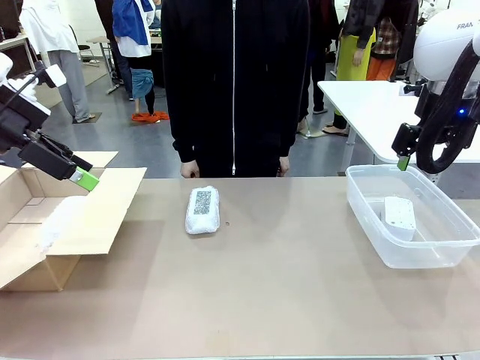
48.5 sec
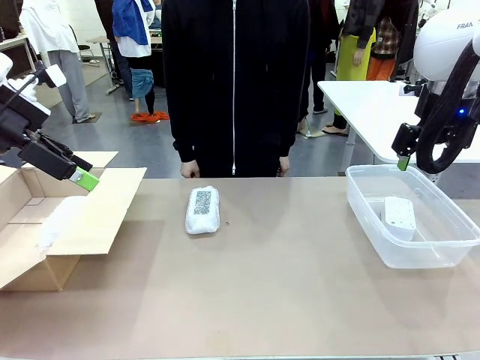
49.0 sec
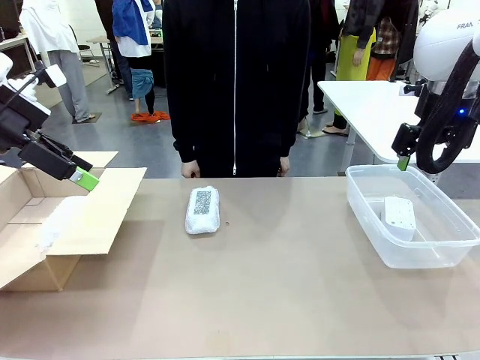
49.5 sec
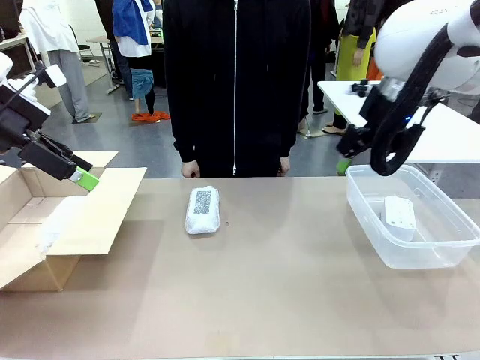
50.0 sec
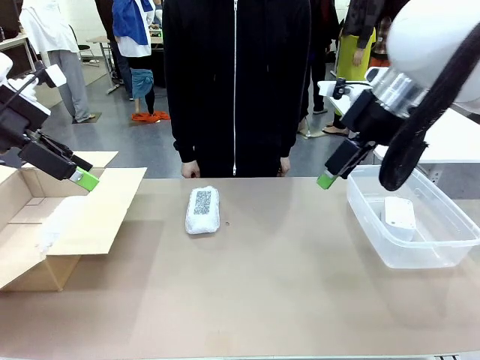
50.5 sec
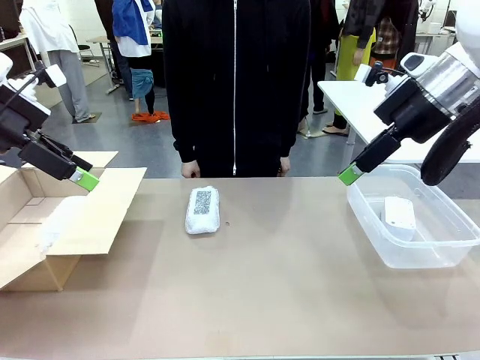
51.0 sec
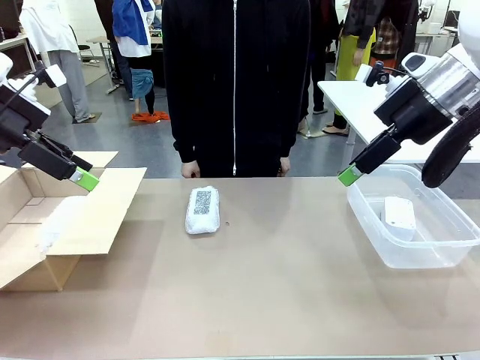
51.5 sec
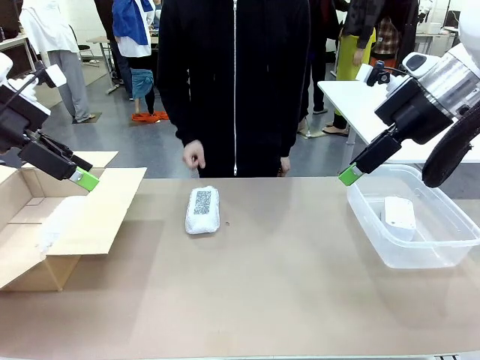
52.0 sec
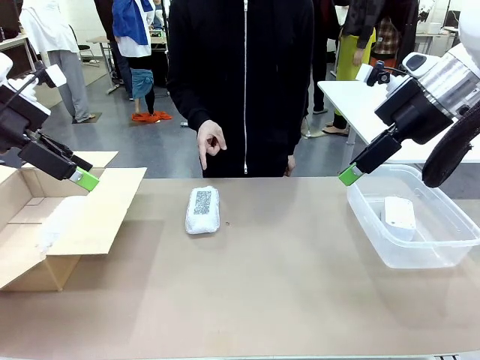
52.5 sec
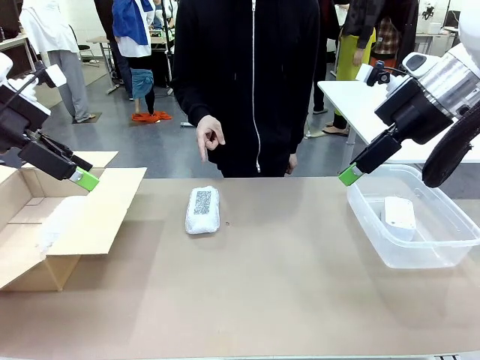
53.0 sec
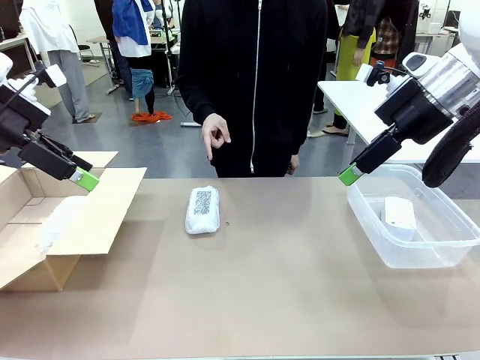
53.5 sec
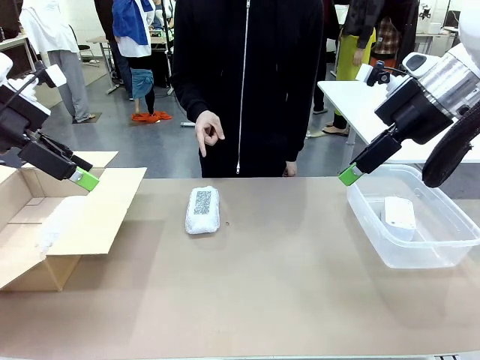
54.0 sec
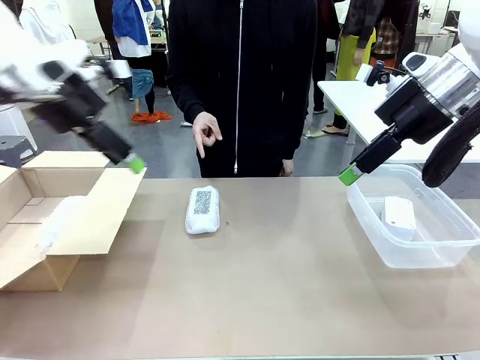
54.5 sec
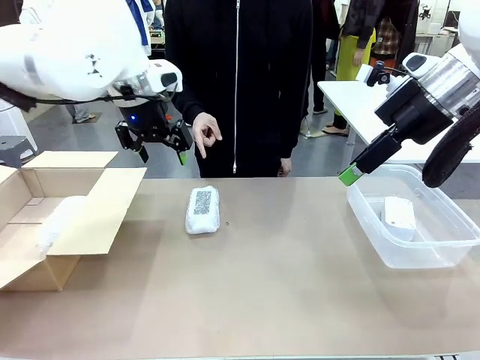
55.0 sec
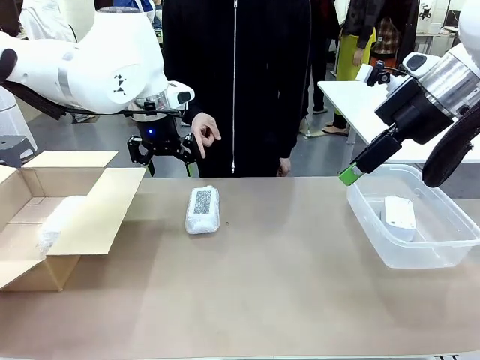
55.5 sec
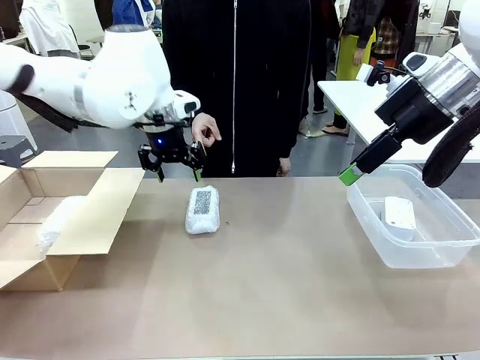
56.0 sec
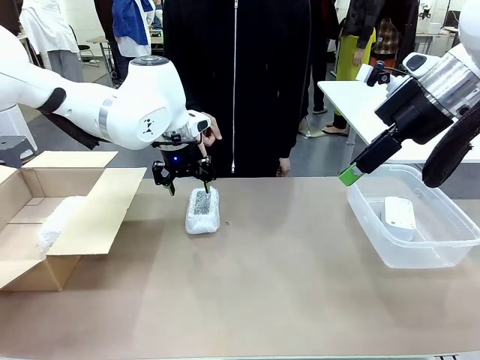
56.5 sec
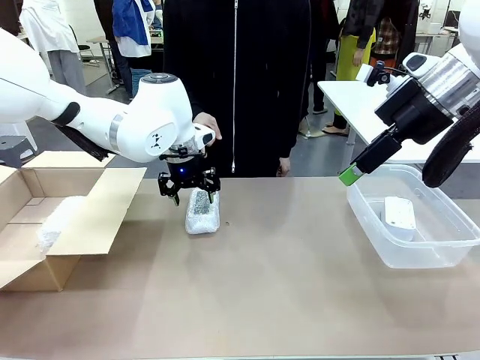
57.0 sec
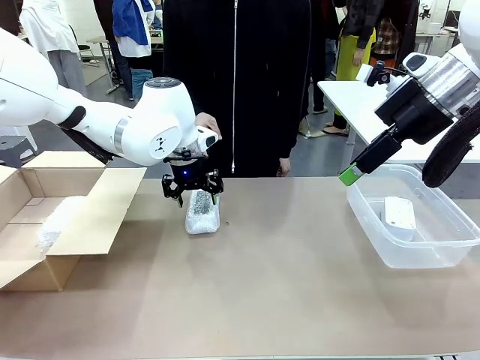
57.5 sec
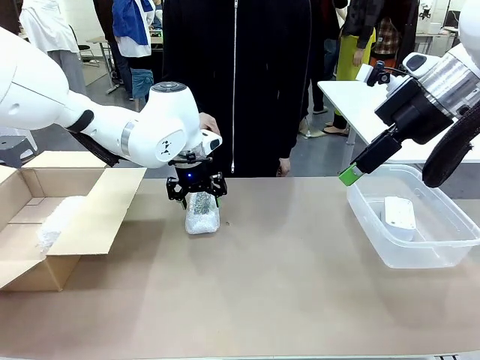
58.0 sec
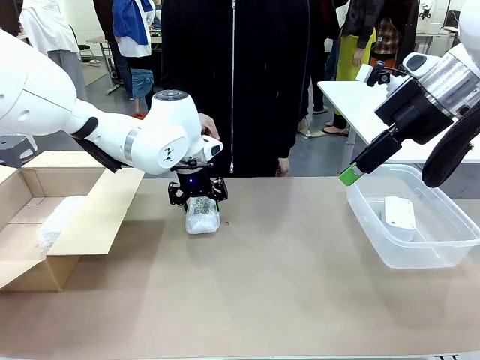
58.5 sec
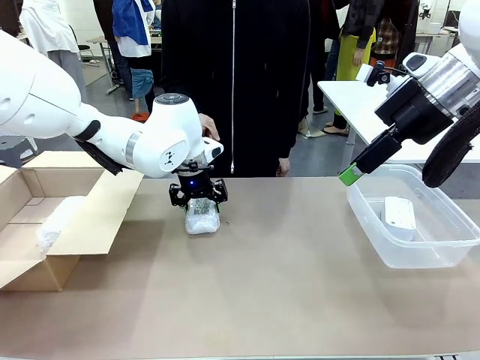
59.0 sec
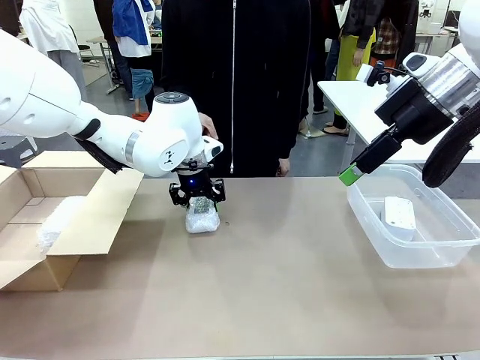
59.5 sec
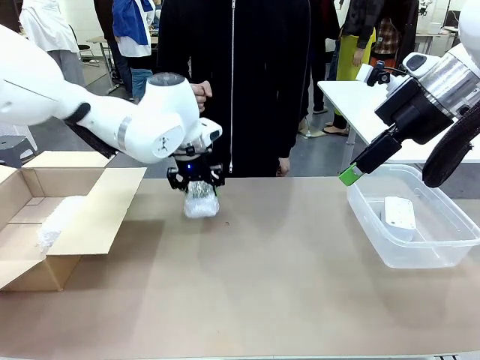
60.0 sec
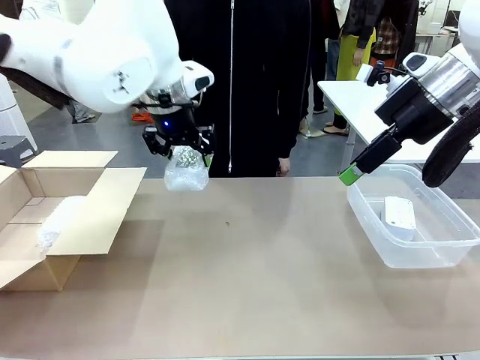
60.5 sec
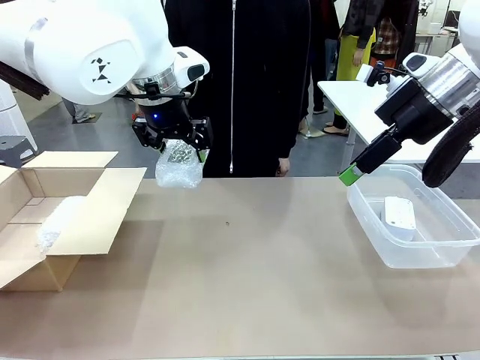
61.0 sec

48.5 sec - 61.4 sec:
Task: Separate and place wrapped and unwrapped clocks.
Robot: Pick up the Digital clock indicated by the person.

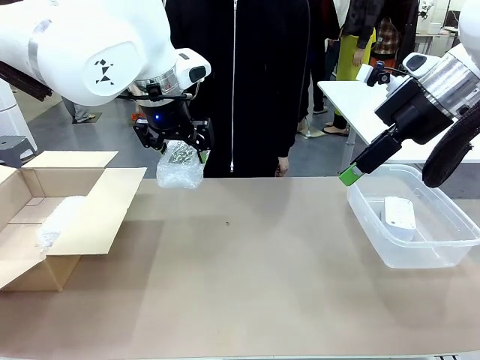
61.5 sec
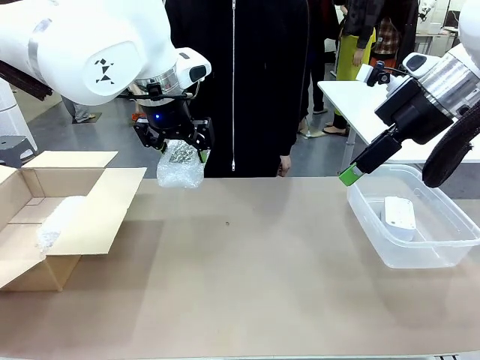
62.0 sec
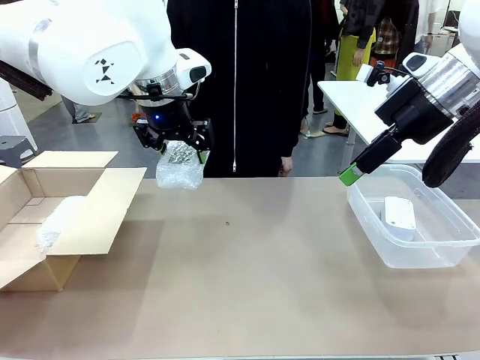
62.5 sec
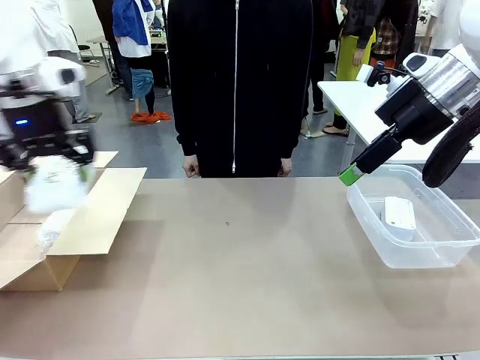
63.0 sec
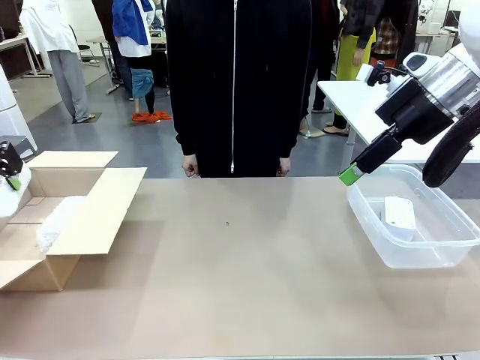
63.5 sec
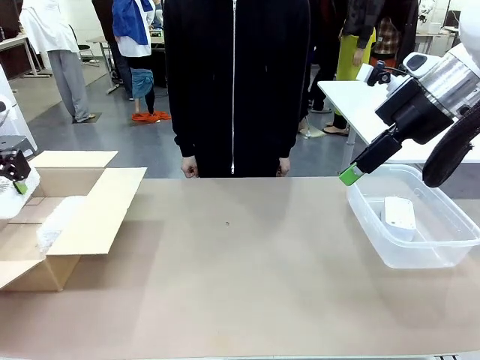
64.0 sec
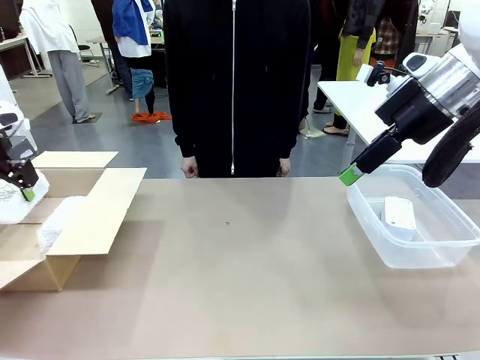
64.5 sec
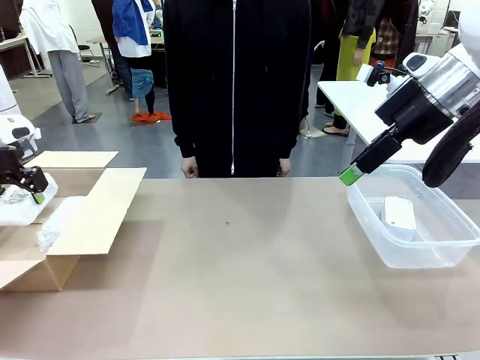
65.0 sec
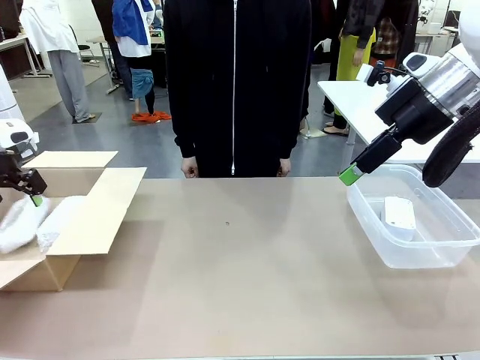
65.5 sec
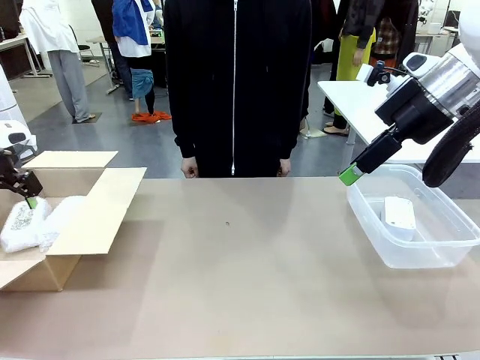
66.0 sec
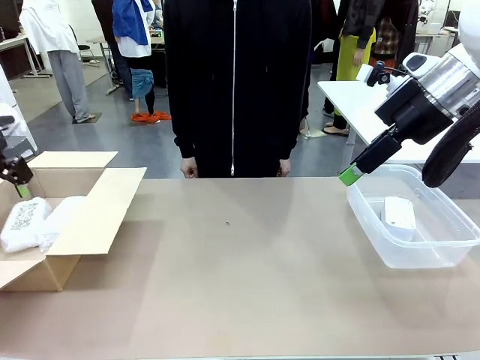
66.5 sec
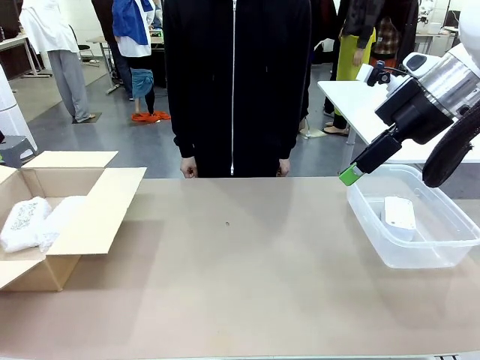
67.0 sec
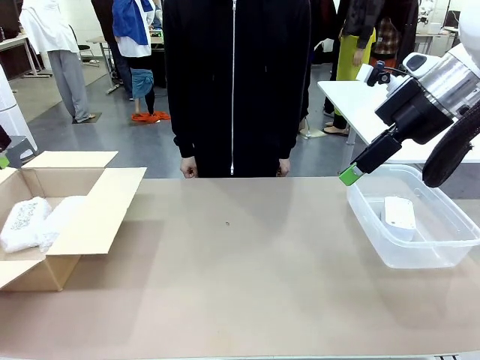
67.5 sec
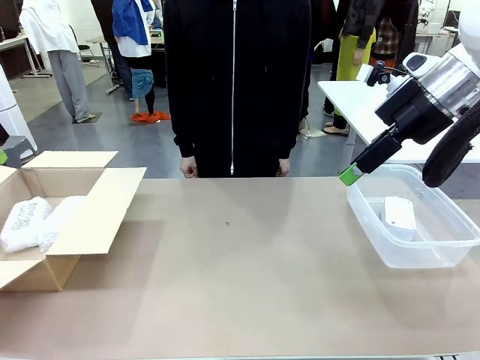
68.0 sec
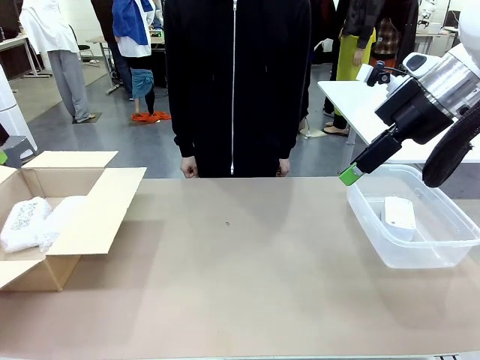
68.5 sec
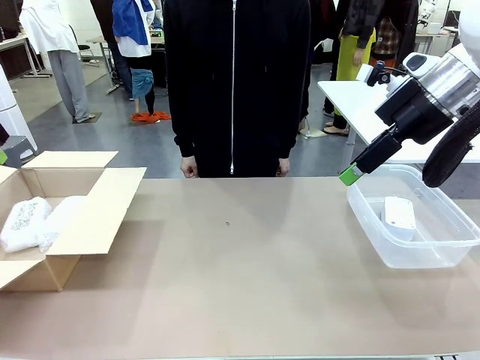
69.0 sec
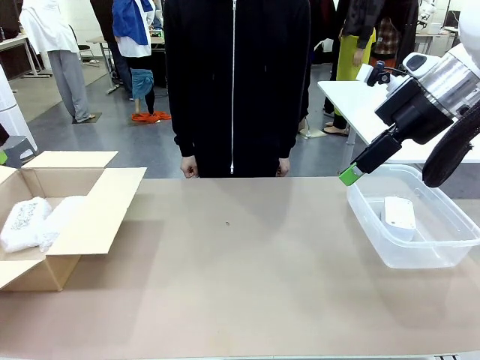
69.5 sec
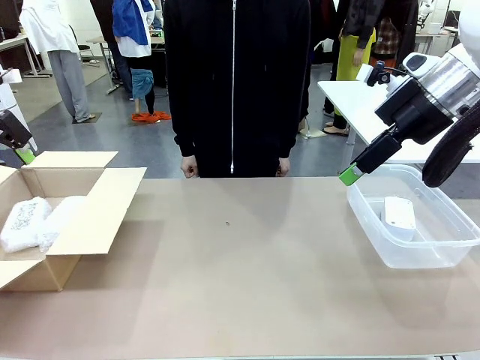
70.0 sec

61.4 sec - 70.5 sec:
Robot: If the picked Digital clock is wrapped, place it in the Package Box ; if not, place it in the Organizing box.

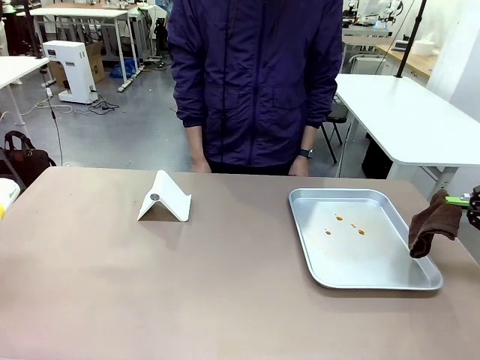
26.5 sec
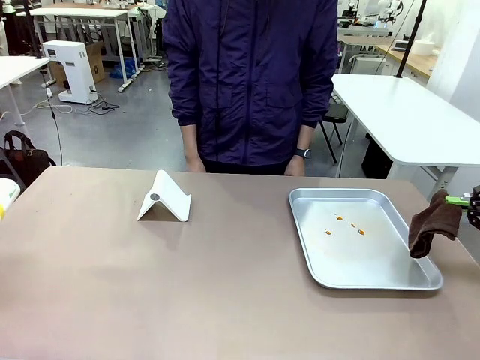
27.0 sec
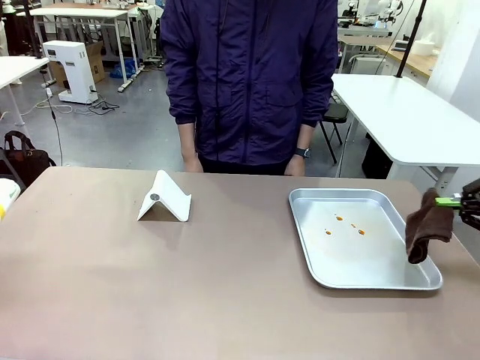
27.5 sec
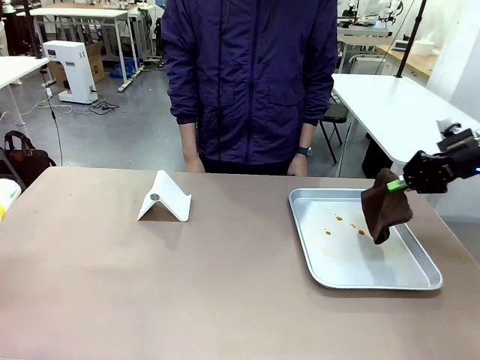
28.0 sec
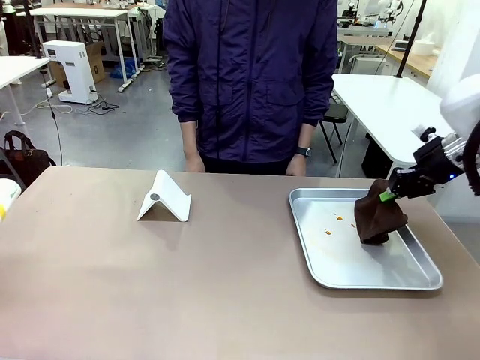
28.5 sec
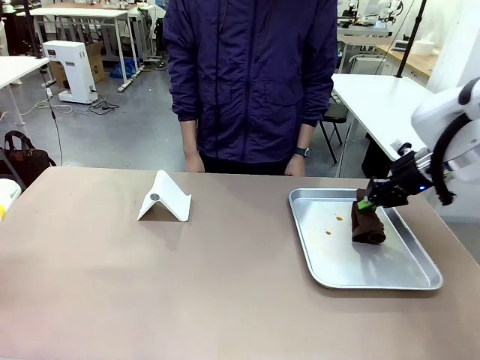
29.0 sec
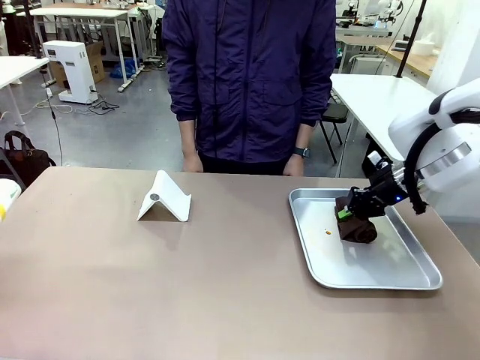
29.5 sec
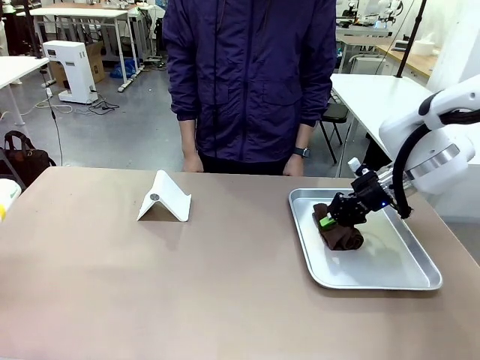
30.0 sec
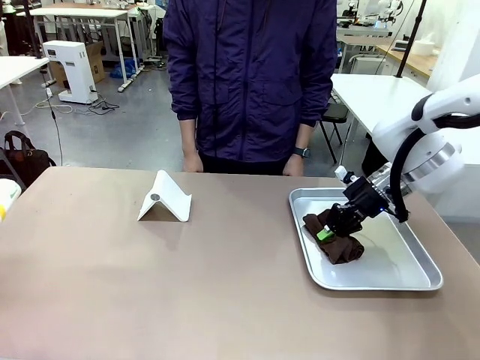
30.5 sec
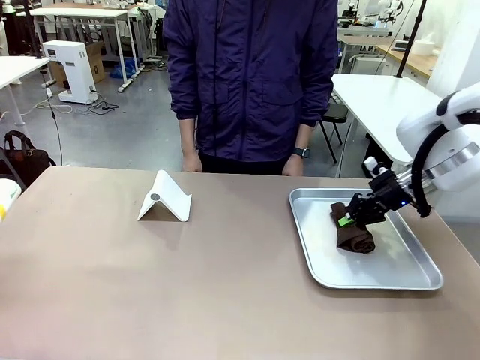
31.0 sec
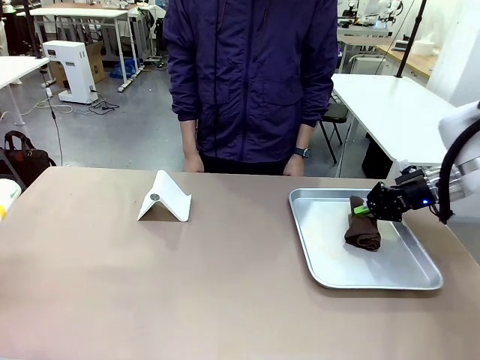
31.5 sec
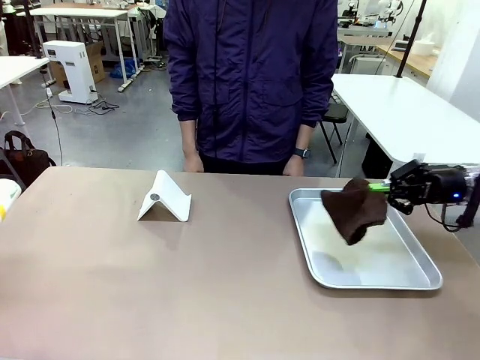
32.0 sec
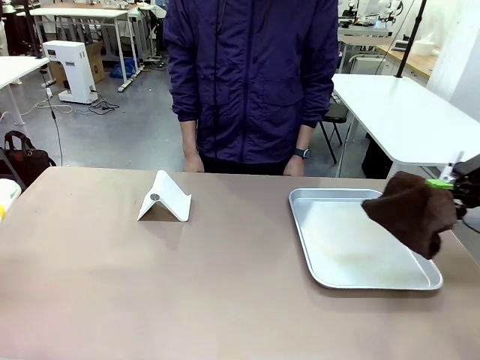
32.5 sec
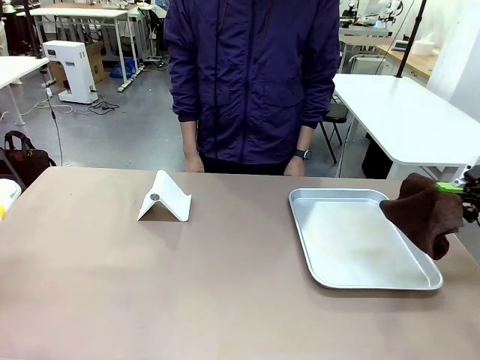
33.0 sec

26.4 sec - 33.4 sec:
Task: Clean the surface of the table.
Robot: Clean the area not pointed to by the person.
